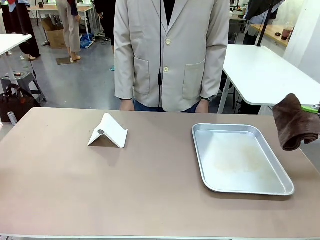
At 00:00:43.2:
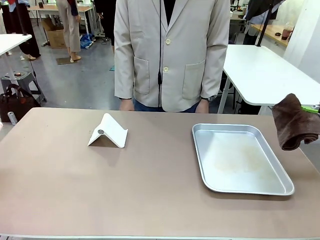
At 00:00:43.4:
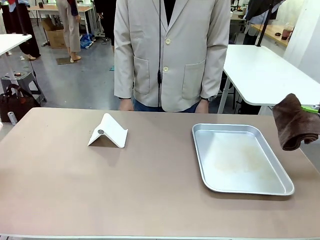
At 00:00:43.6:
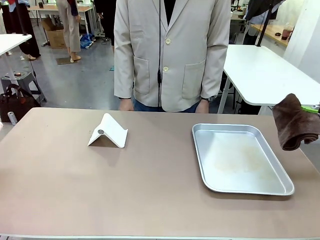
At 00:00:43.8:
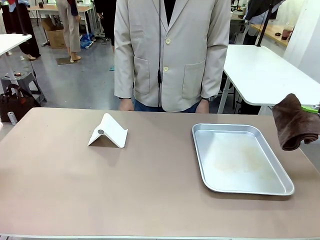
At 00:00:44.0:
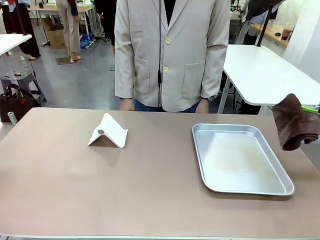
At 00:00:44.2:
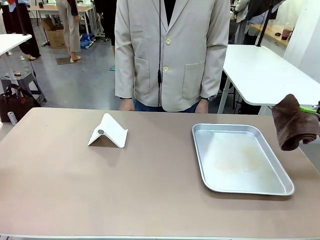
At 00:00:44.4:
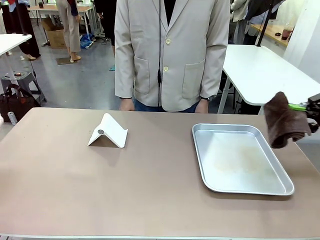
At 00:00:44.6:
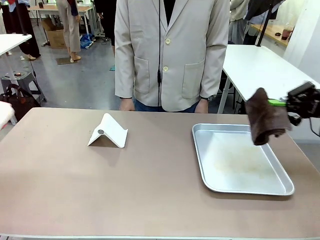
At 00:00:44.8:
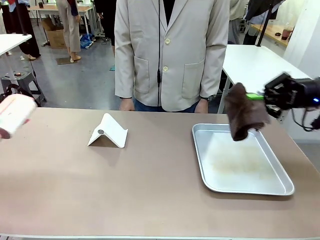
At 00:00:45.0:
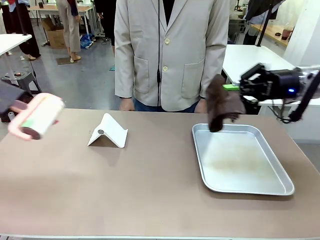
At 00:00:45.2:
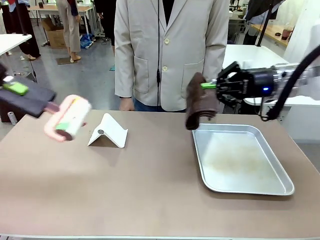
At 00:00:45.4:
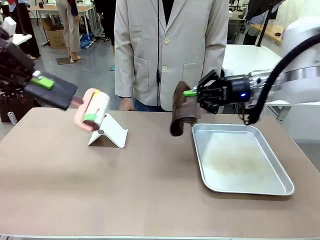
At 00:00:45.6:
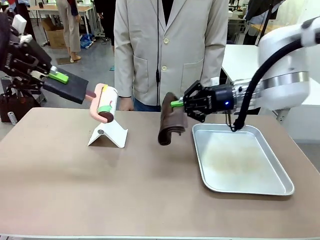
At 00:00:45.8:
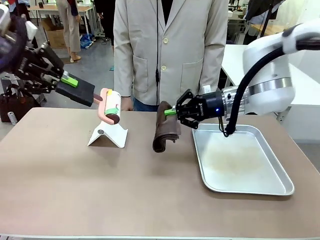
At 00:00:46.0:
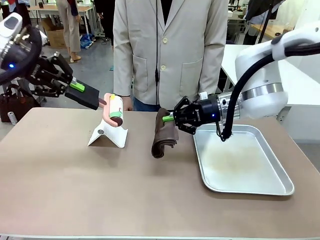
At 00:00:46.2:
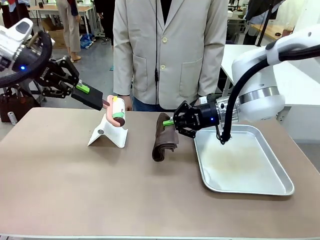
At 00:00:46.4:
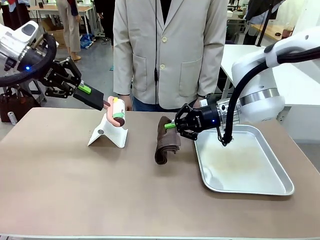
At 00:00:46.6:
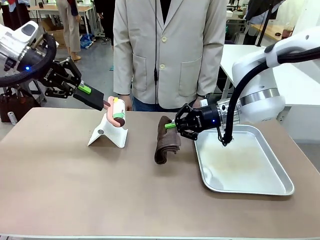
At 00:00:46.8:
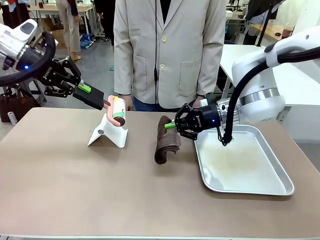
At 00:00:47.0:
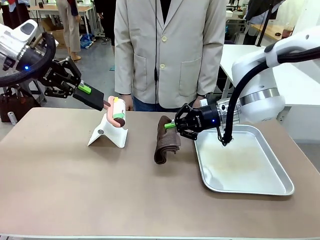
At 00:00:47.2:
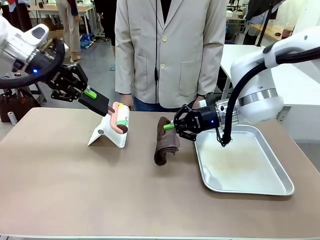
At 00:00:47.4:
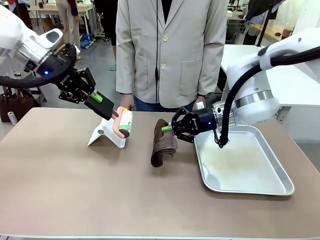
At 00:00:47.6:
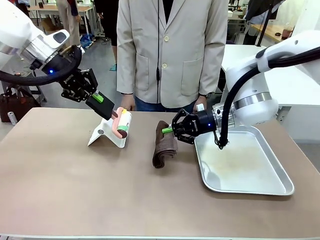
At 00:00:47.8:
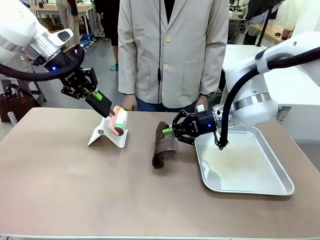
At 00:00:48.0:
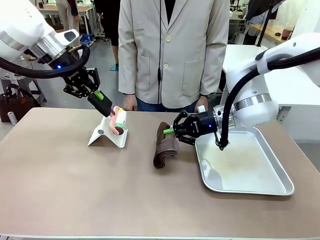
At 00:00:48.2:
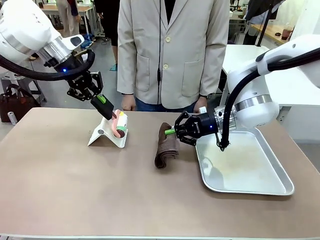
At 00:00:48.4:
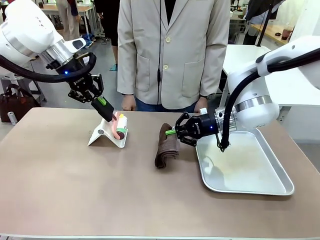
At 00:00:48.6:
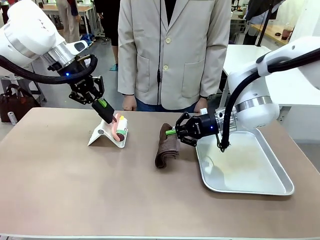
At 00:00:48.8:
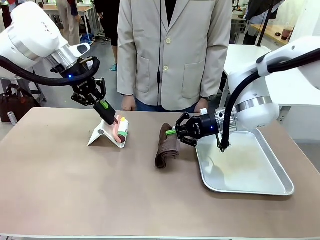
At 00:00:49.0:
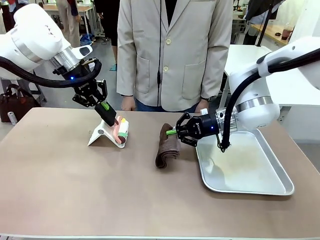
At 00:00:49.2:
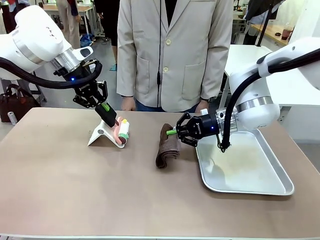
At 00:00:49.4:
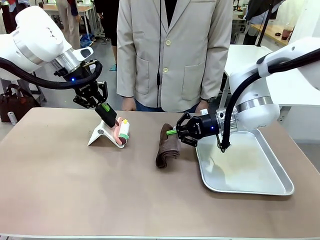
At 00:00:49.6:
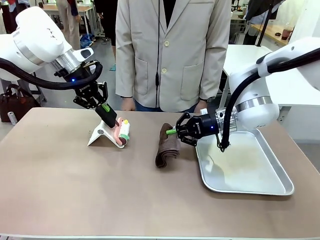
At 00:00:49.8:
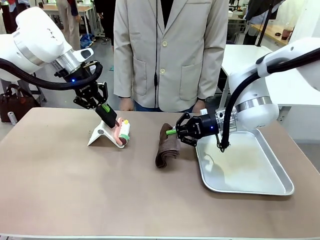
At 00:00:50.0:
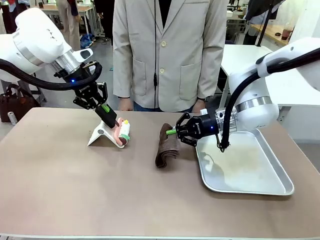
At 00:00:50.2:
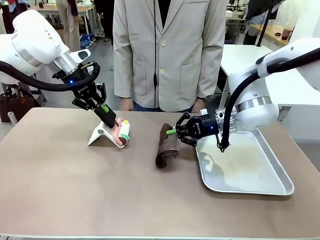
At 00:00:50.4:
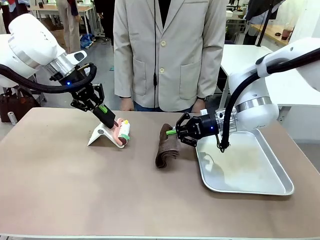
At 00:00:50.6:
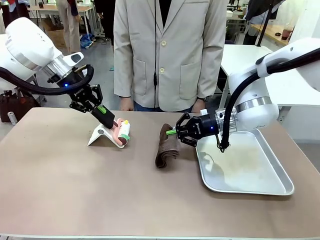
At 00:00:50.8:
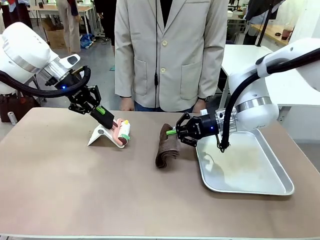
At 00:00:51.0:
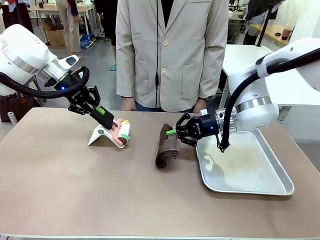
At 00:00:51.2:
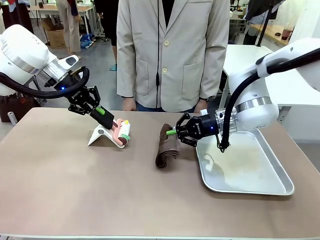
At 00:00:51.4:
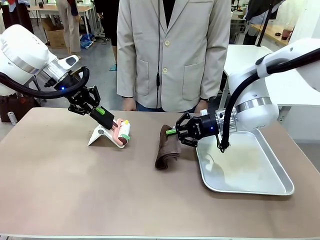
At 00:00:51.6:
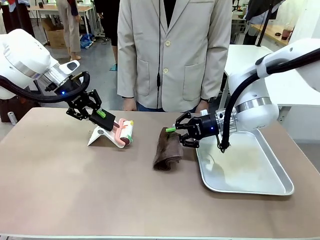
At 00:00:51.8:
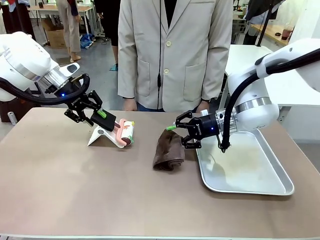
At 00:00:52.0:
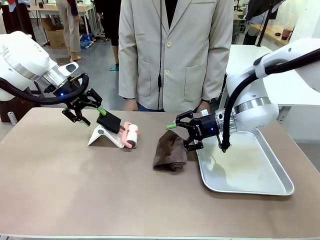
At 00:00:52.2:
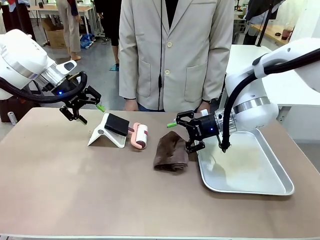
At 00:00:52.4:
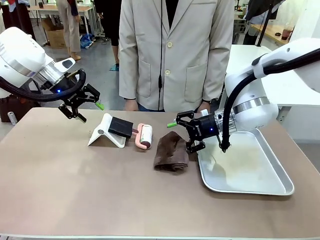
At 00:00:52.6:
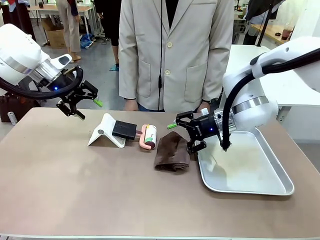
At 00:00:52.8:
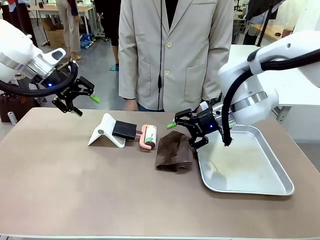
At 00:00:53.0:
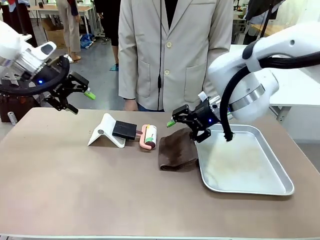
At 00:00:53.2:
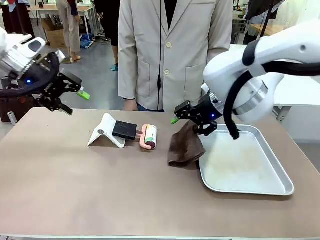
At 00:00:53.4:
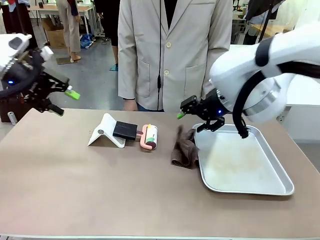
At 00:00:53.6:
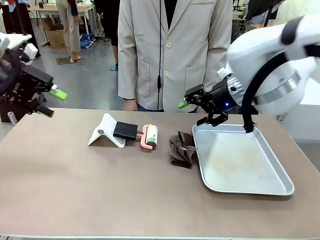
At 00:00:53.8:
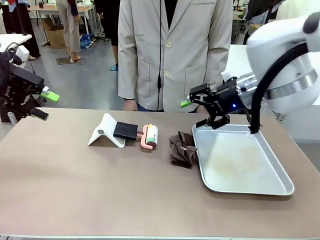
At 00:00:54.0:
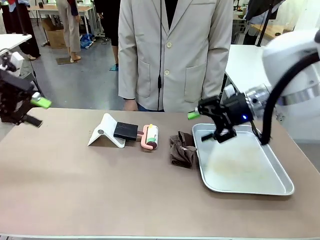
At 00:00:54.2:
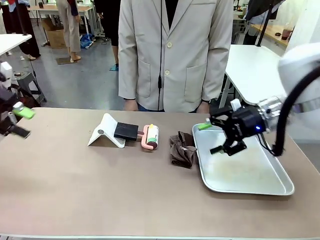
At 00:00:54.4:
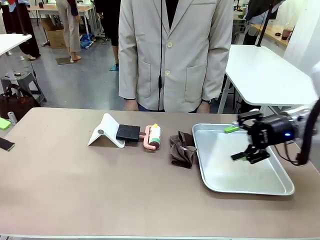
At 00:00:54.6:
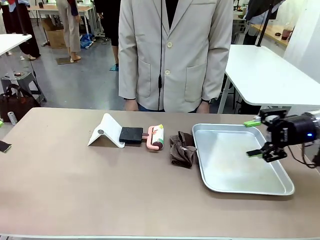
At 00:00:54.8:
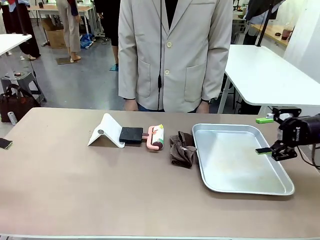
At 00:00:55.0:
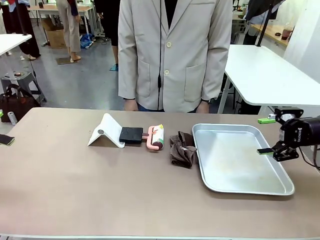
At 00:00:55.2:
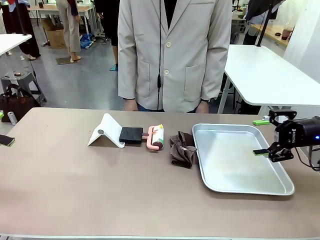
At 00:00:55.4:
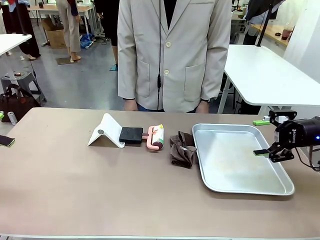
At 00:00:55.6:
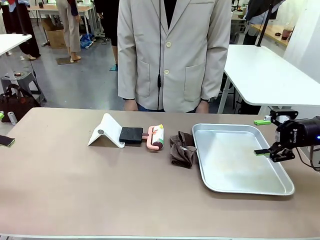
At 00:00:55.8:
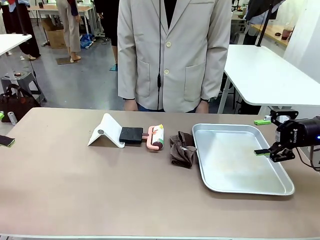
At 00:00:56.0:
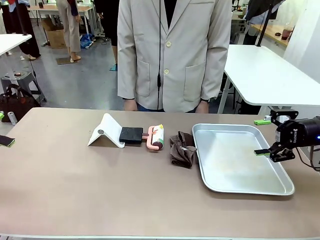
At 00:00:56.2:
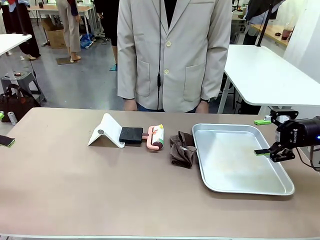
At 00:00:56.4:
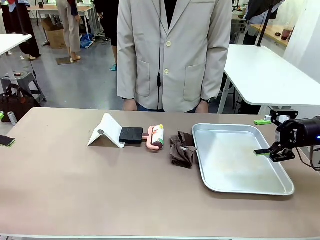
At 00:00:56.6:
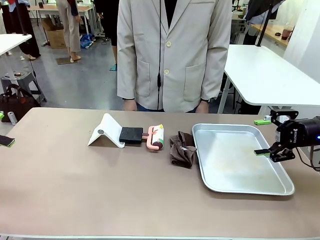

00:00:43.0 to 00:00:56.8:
Task: Clean the surface of the table.
Robot: Return the Lint Roller and towel to their original positions.

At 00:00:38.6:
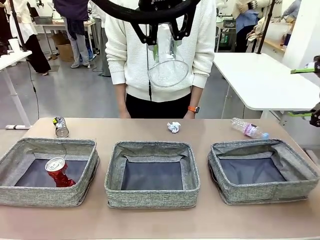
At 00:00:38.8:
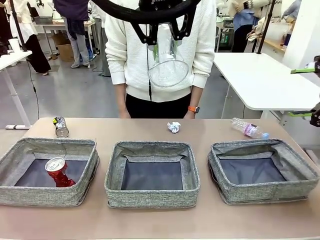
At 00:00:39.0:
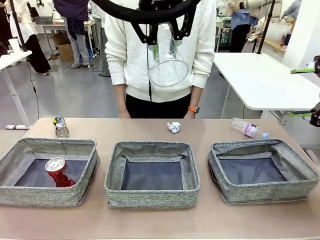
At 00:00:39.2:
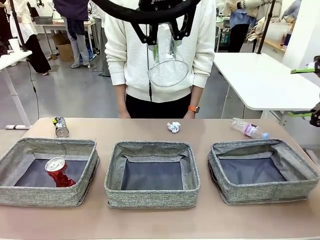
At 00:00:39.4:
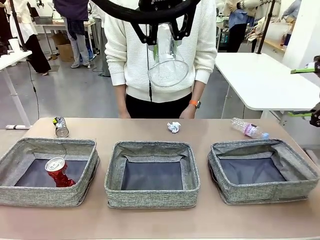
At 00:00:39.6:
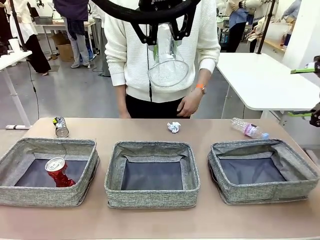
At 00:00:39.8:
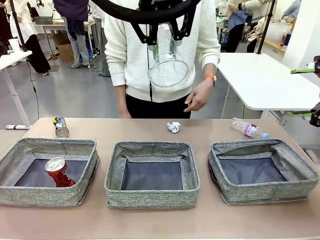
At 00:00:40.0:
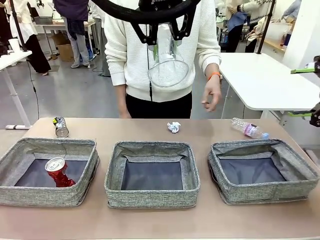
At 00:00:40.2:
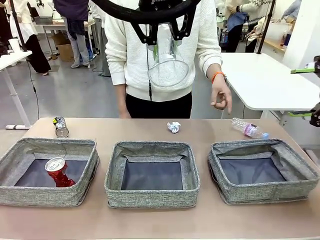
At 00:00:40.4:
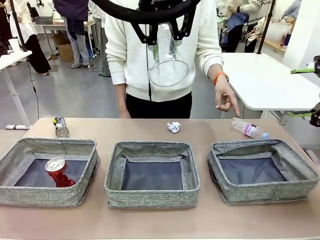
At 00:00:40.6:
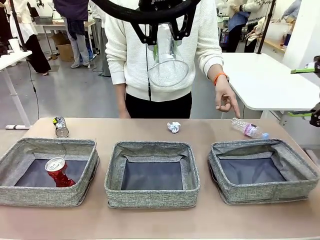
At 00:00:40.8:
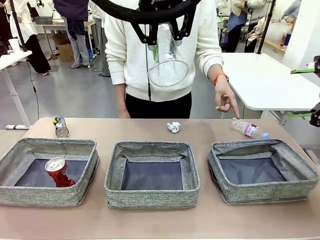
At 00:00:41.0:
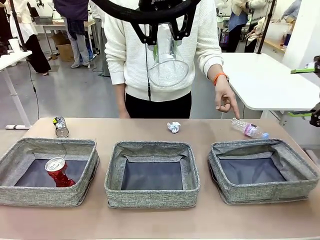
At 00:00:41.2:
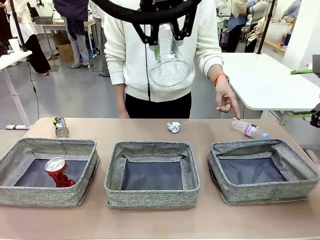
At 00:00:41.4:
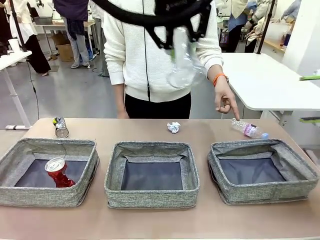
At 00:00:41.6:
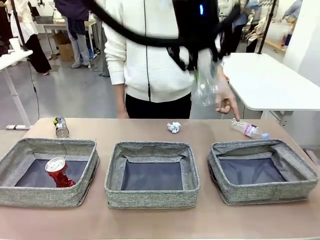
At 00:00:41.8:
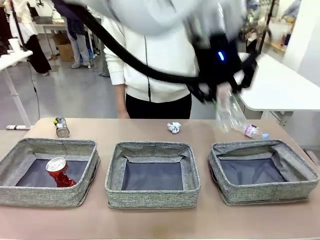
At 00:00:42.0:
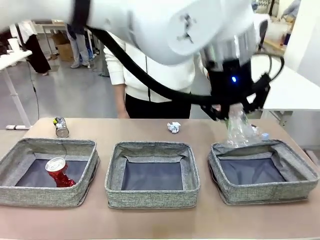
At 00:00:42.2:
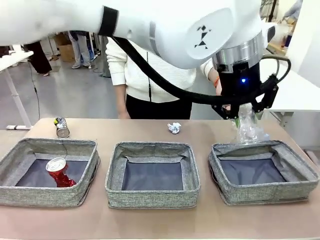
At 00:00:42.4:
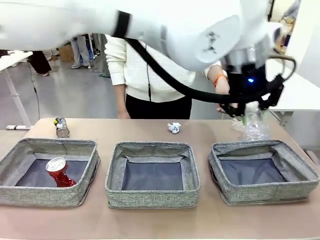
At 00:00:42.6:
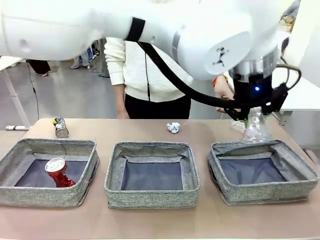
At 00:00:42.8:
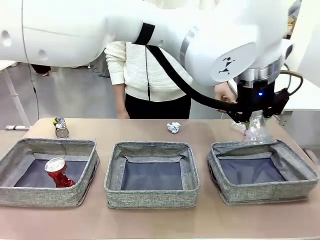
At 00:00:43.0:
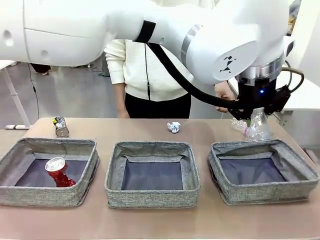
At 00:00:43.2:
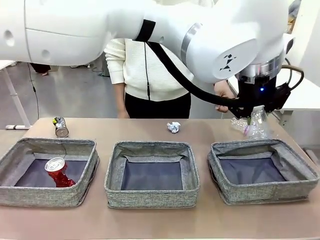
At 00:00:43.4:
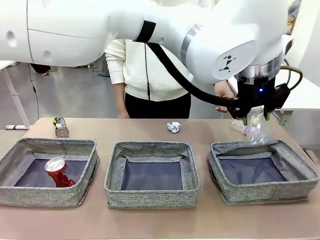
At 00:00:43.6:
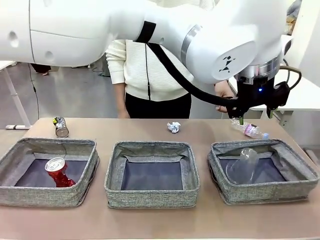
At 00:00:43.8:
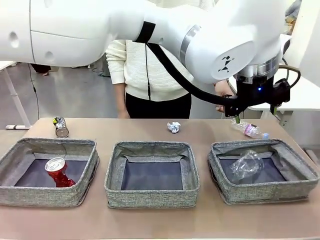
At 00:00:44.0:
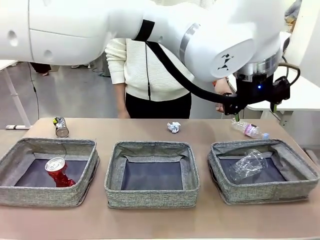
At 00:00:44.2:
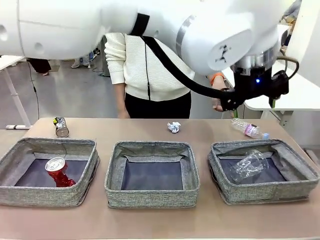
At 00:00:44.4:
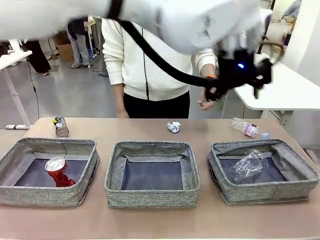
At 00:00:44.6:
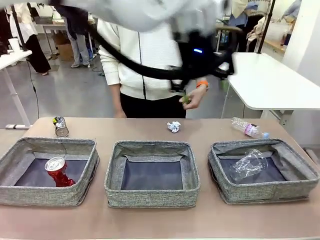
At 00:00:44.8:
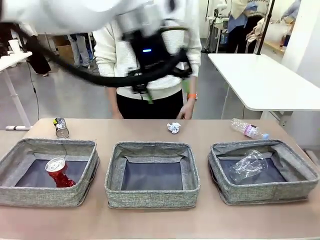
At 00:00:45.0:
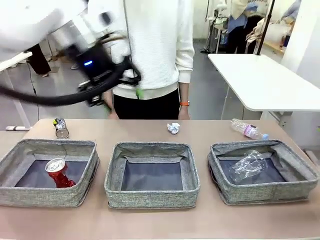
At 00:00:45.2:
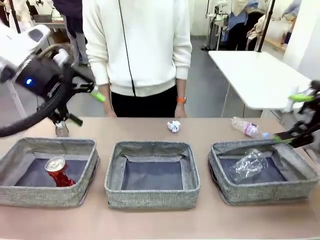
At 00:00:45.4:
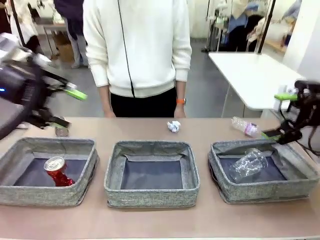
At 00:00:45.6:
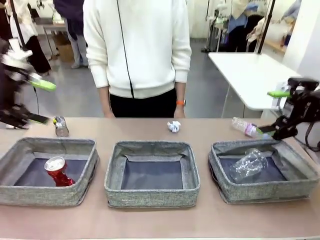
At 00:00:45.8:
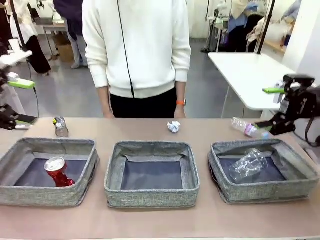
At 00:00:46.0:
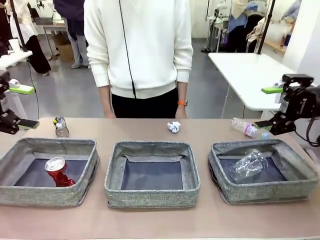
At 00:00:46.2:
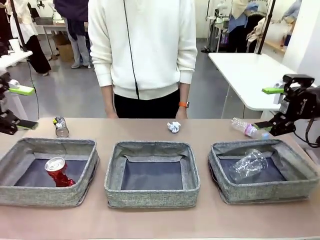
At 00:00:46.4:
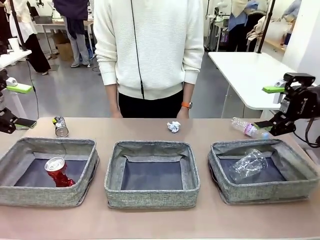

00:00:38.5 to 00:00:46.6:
Task: Sort the waste into the appropriate baskets.
Robot: Place the picked waste into the Fabric basket indicated by the person.
Person: Instructs the robot to place the picked-up trash into the appropriate organizing basket.
